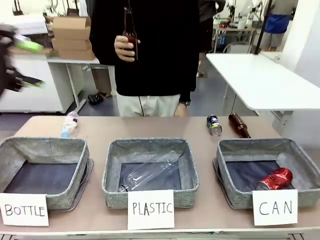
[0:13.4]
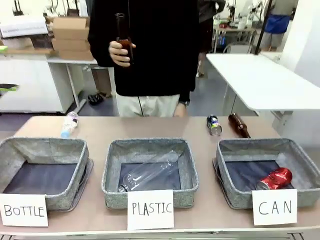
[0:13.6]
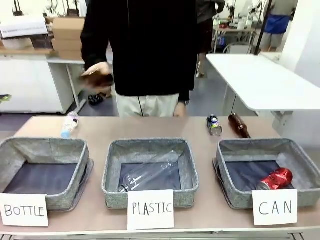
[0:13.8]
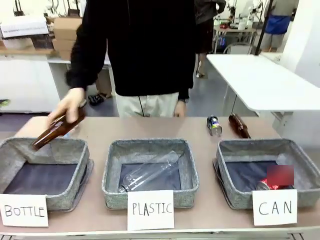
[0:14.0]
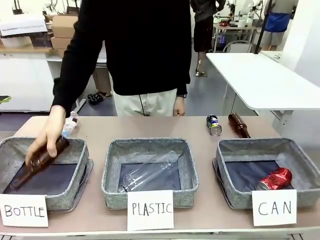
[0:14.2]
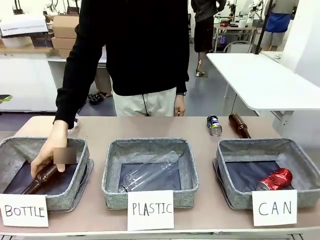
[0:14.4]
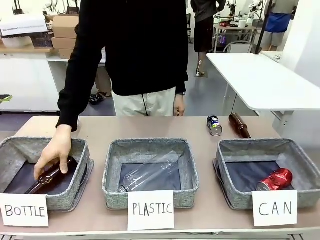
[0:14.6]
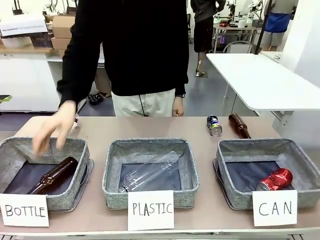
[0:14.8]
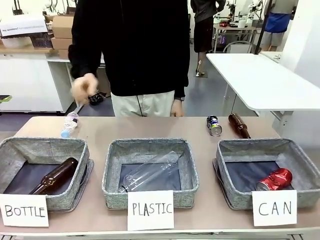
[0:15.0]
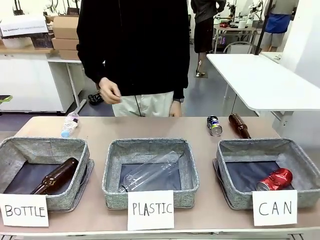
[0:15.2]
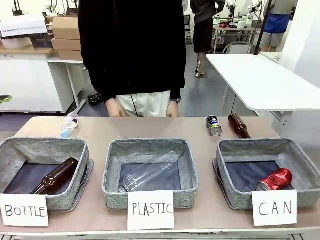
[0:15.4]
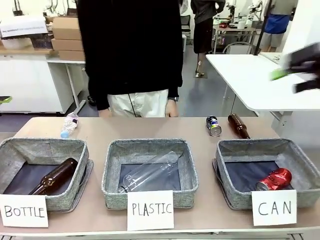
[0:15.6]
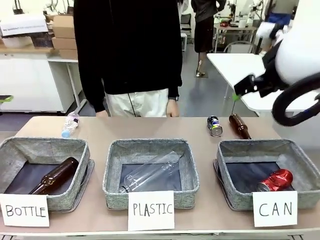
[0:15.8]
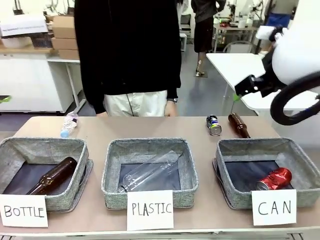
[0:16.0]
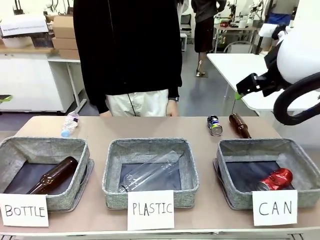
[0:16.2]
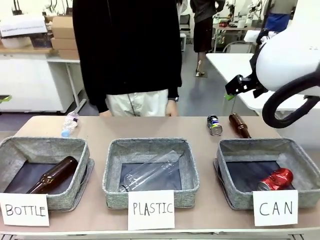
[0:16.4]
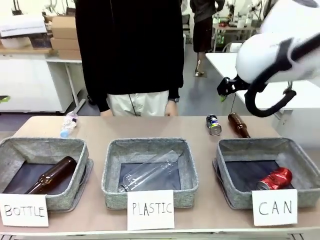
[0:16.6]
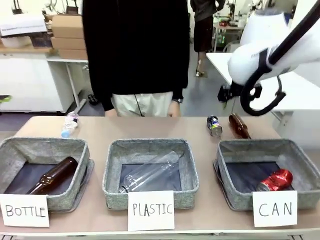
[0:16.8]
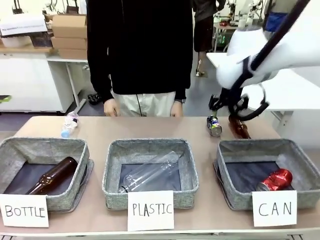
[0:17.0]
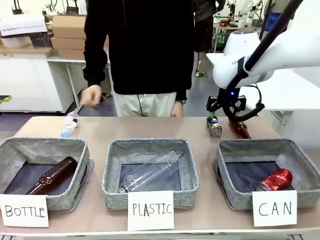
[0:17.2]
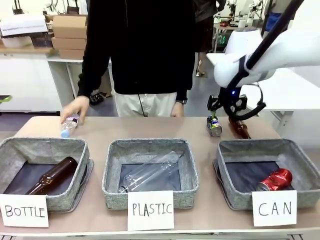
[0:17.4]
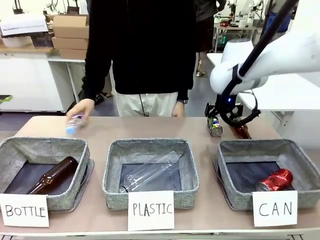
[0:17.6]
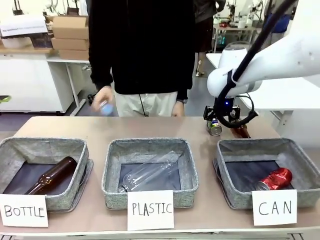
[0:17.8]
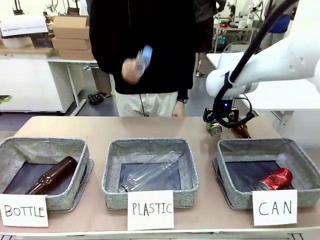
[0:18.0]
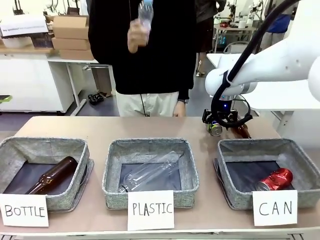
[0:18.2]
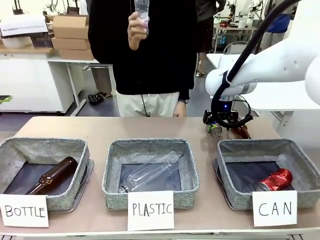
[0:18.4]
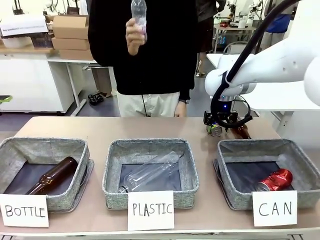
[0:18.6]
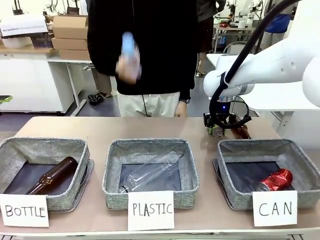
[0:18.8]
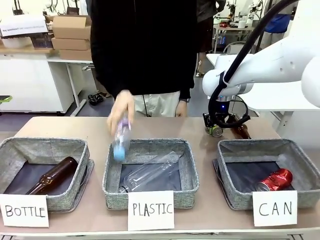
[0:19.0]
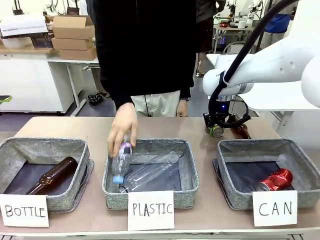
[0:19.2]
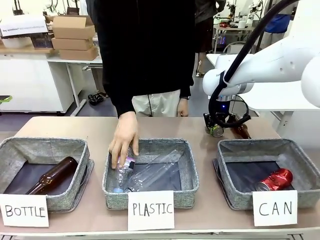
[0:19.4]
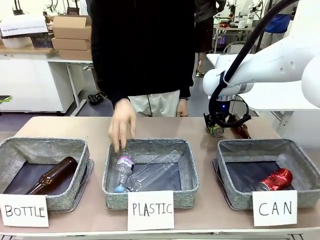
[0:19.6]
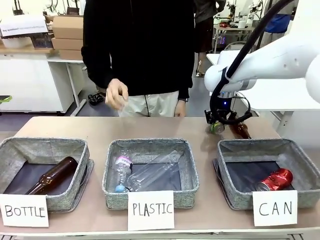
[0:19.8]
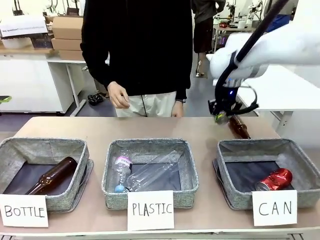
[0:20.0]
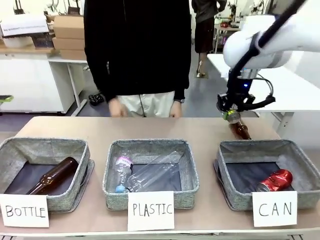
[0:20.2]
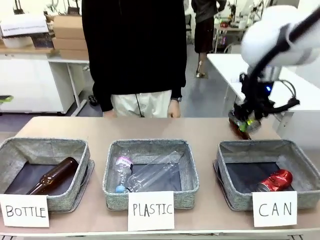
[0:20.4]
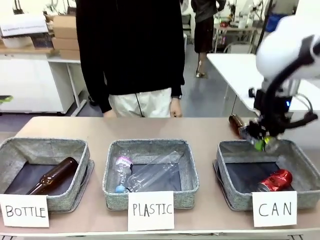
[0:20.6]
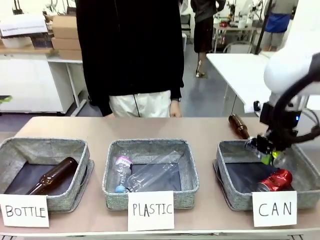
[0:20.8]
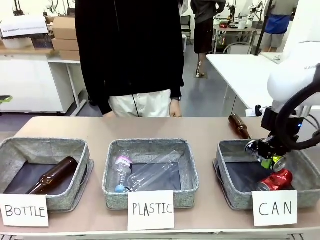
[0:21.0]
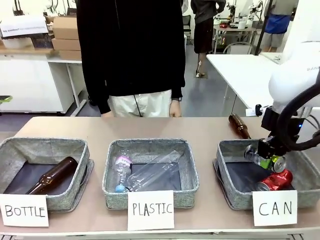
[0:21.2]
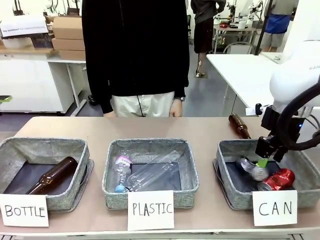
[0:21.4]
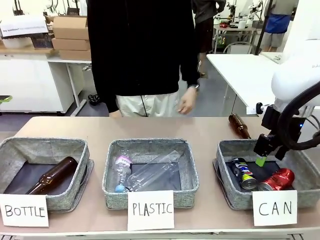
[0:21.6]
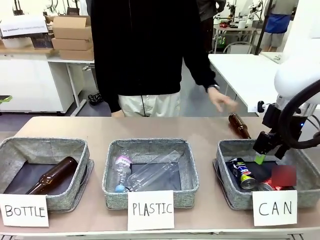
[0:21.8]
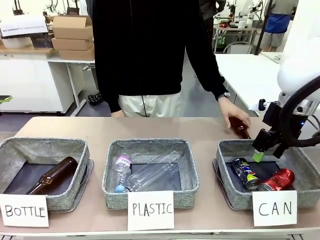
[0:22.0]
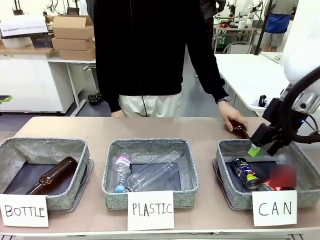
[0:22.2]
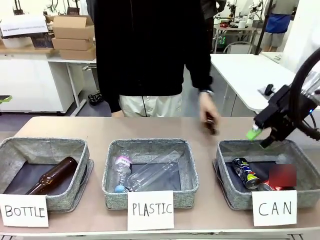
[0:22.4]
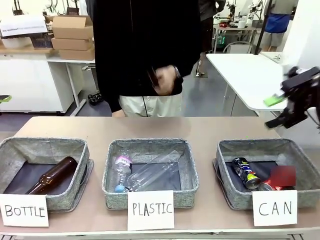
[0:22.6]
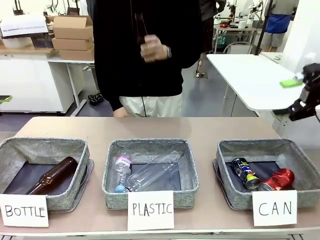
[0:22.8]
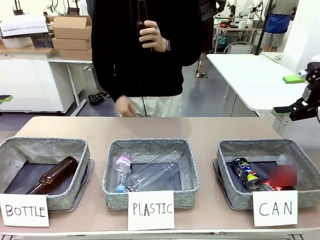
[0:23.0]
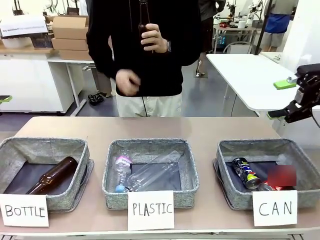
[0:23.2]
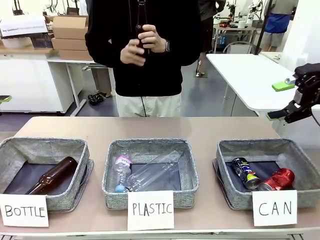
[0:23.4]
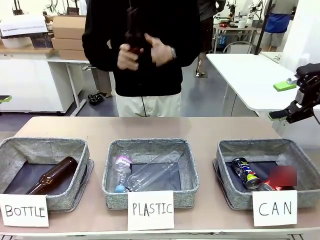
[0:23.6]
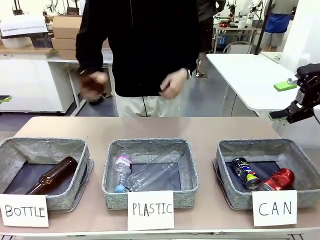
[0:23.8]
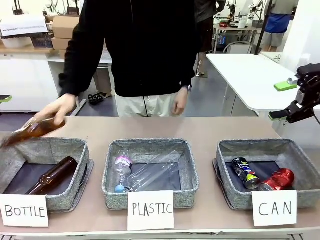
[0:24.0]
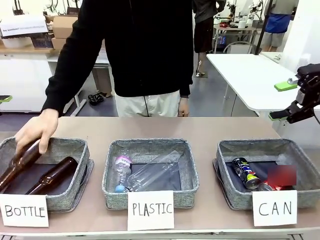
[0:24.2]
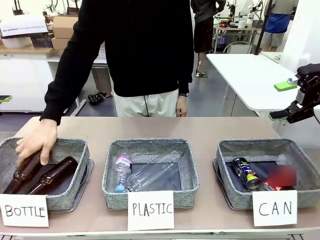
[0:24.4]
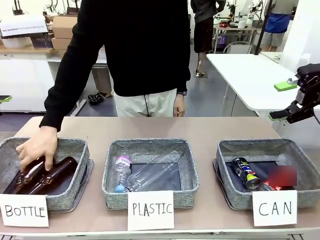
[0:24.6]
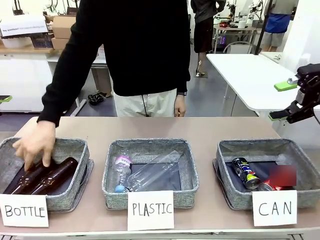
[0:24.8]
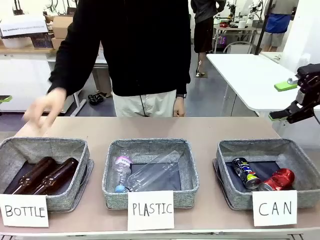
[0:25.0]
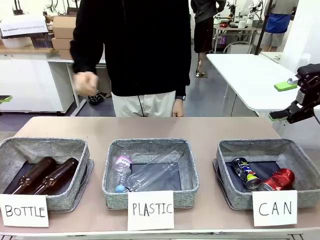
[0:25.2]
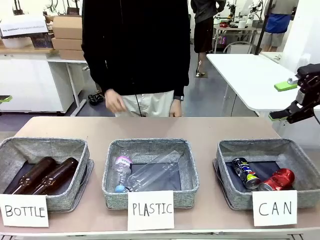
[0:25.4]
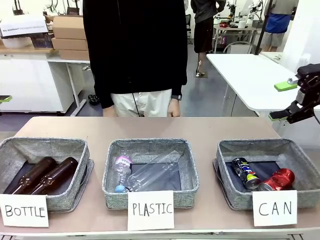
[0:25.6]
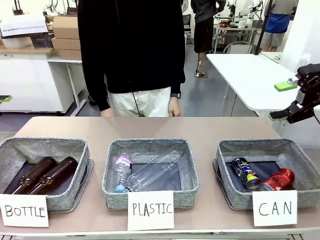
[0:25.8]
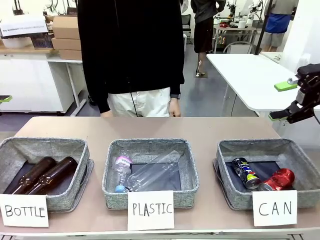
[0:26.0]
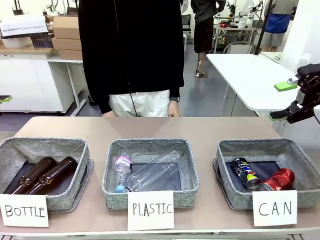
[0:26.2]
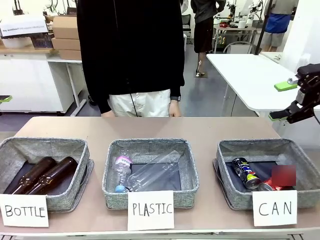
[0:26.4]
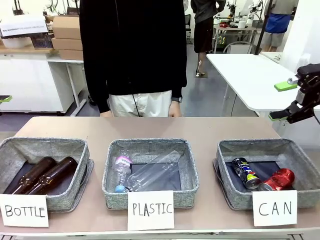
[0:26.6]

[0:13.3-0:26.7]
Task: Sort the can waste into the basket.
Robot: Pick up the can waste from the table and place it in the right Fabric basket.
Person: The human picks up one piece of trash that is not a can and places the trash into the appropriate organizing basket.
